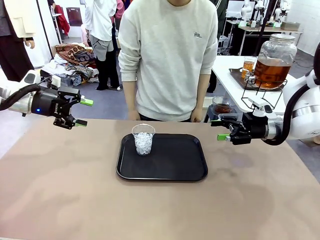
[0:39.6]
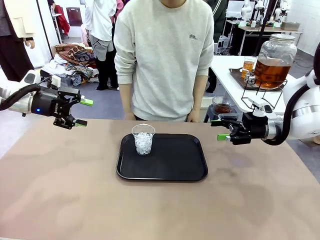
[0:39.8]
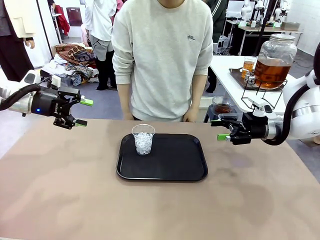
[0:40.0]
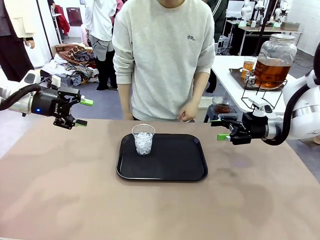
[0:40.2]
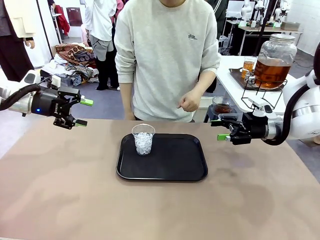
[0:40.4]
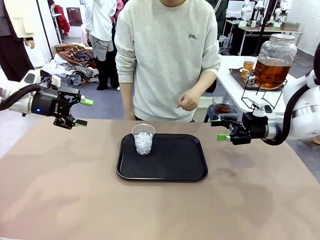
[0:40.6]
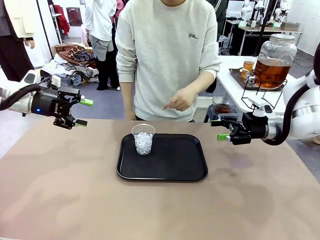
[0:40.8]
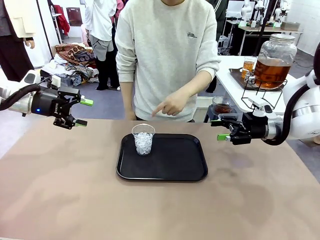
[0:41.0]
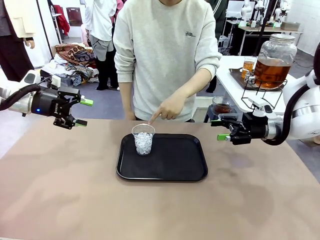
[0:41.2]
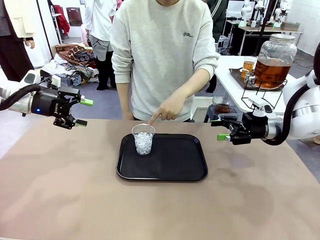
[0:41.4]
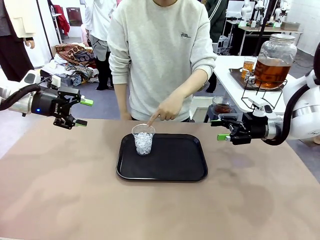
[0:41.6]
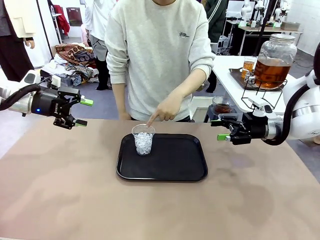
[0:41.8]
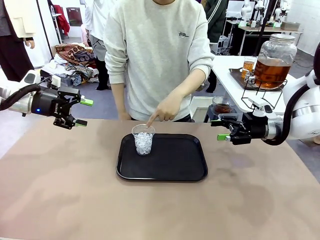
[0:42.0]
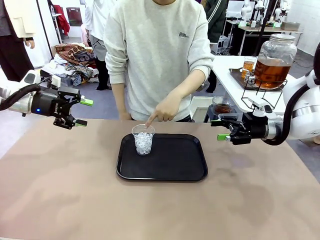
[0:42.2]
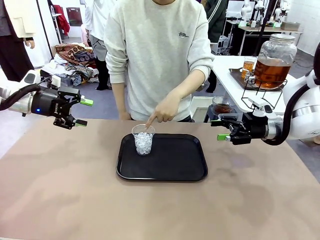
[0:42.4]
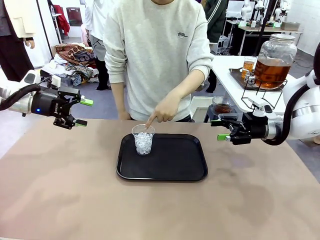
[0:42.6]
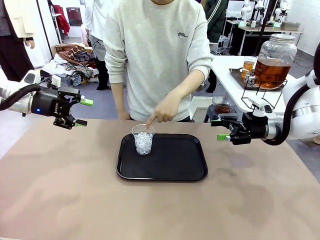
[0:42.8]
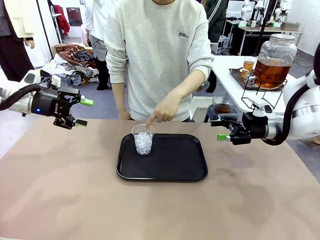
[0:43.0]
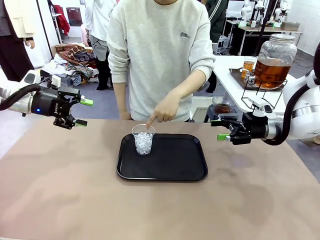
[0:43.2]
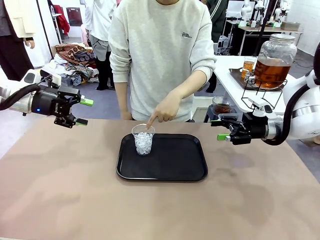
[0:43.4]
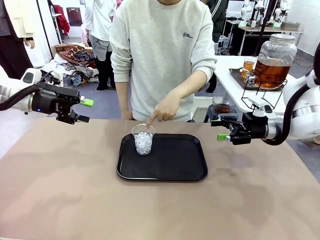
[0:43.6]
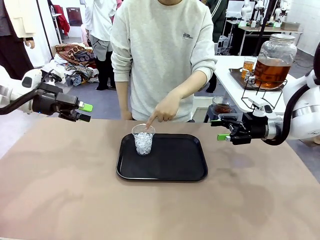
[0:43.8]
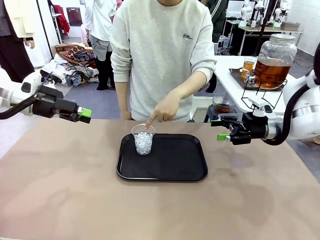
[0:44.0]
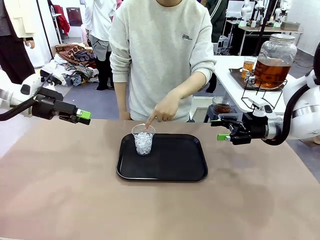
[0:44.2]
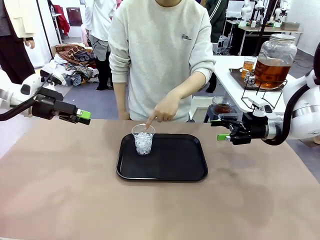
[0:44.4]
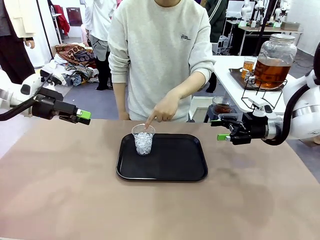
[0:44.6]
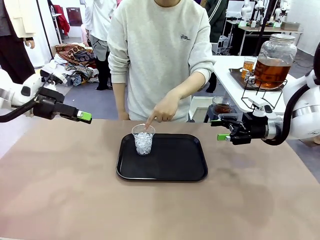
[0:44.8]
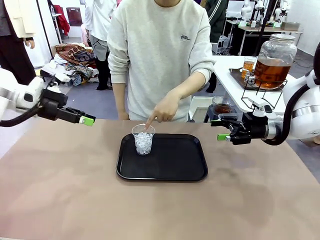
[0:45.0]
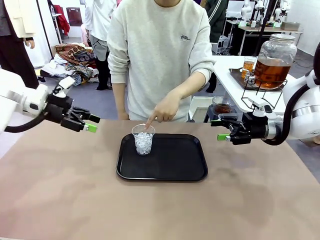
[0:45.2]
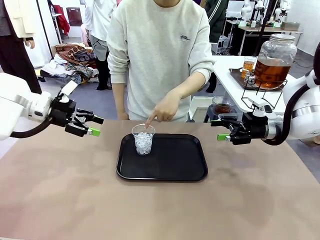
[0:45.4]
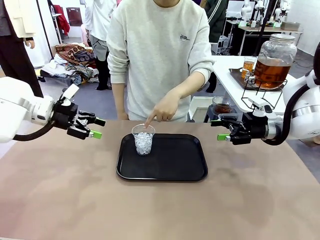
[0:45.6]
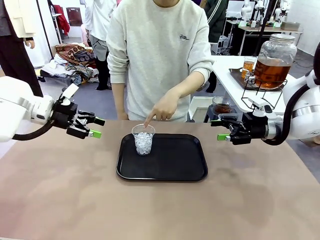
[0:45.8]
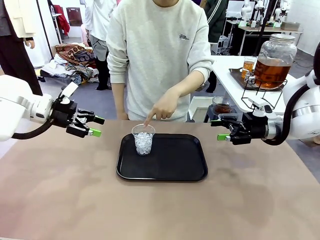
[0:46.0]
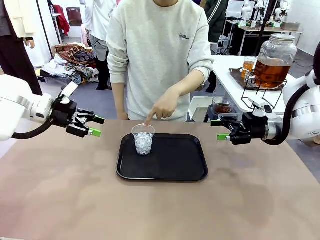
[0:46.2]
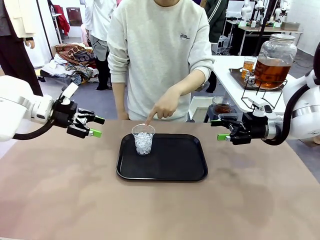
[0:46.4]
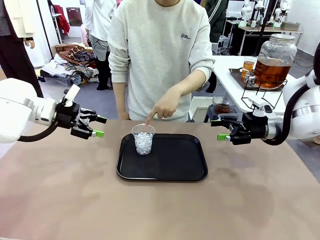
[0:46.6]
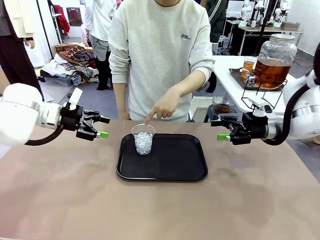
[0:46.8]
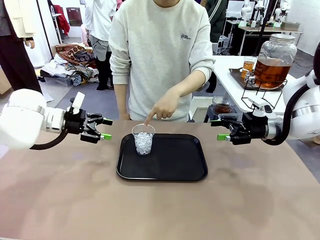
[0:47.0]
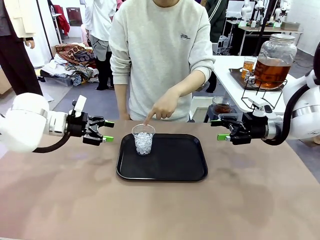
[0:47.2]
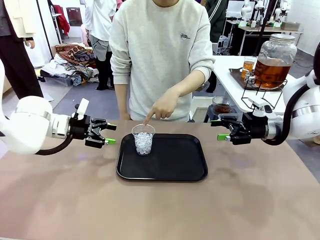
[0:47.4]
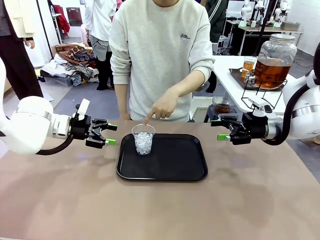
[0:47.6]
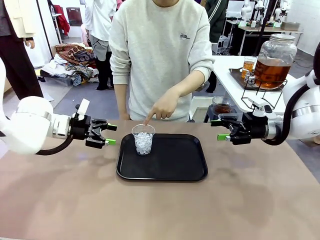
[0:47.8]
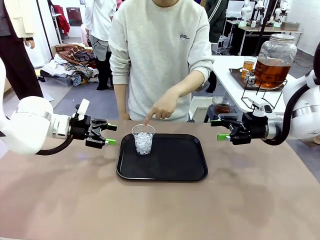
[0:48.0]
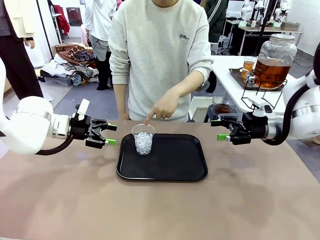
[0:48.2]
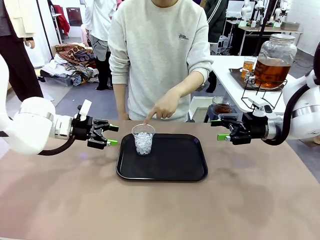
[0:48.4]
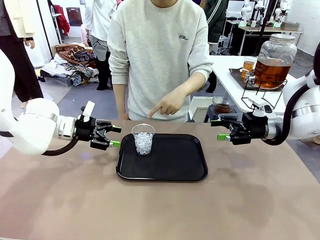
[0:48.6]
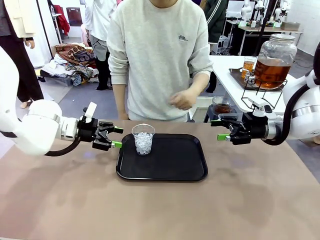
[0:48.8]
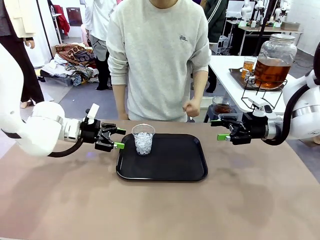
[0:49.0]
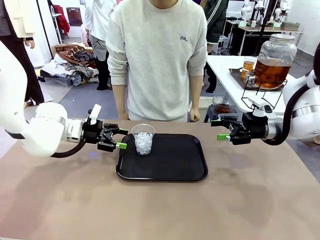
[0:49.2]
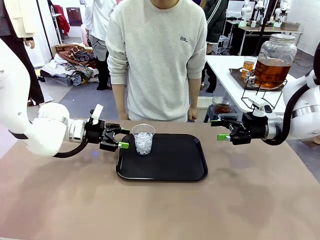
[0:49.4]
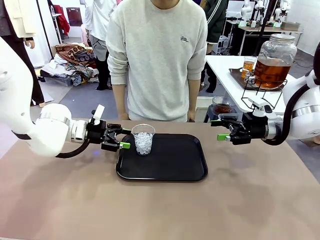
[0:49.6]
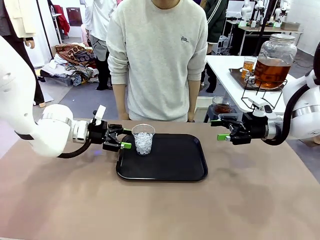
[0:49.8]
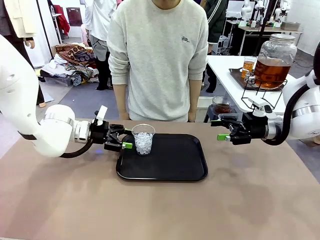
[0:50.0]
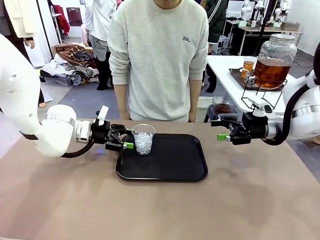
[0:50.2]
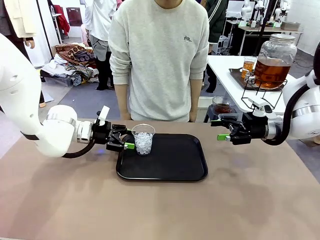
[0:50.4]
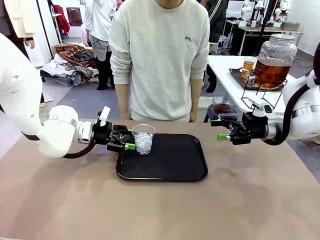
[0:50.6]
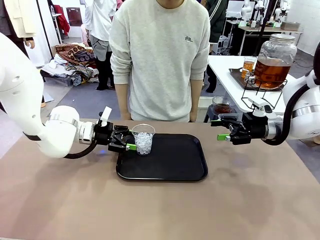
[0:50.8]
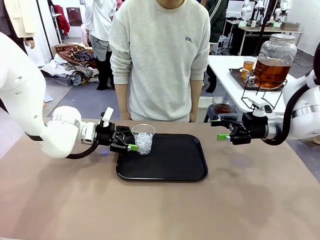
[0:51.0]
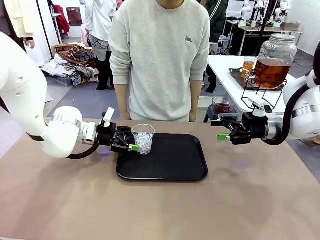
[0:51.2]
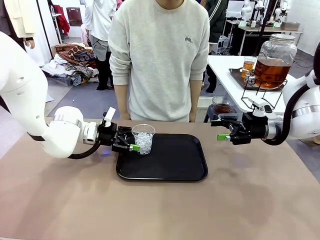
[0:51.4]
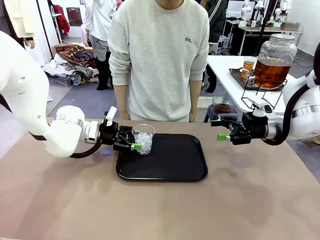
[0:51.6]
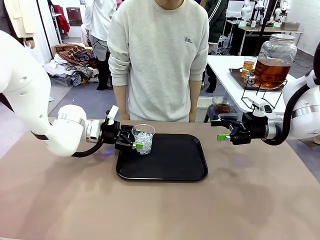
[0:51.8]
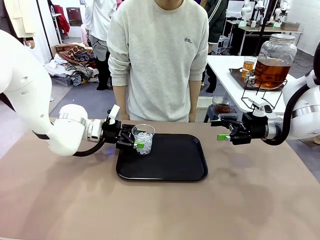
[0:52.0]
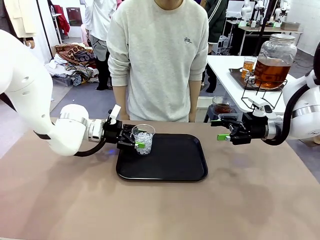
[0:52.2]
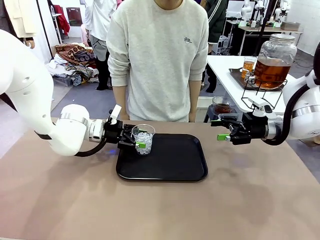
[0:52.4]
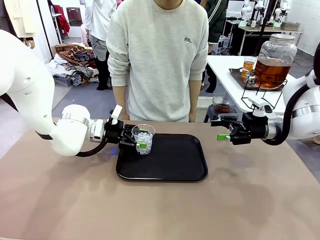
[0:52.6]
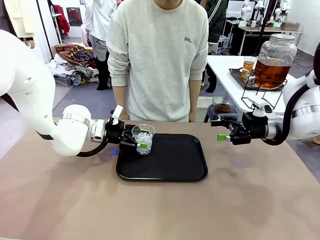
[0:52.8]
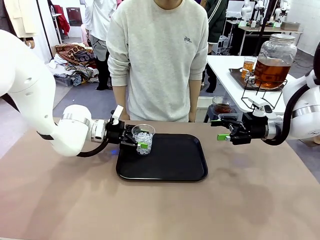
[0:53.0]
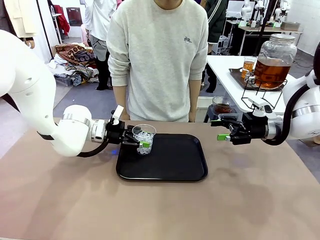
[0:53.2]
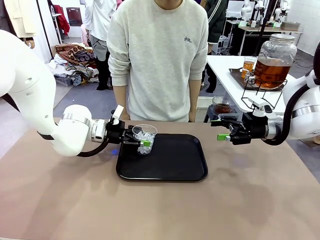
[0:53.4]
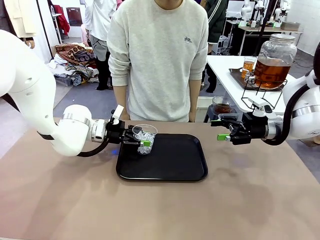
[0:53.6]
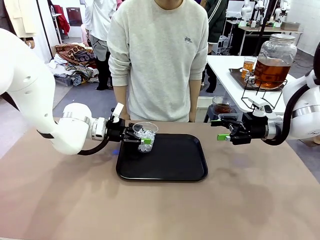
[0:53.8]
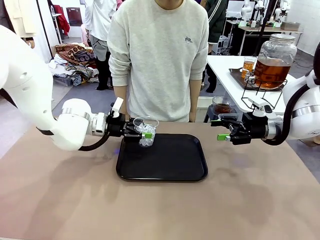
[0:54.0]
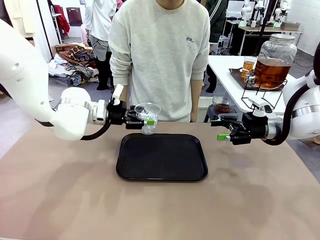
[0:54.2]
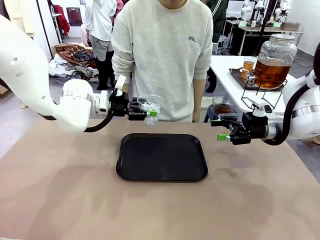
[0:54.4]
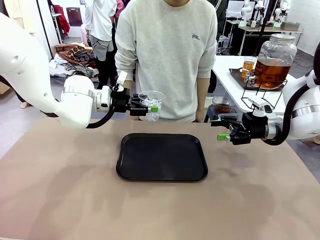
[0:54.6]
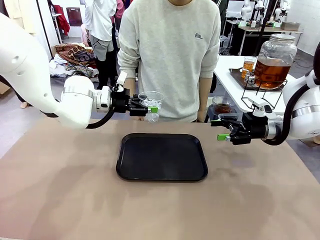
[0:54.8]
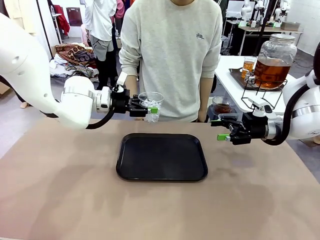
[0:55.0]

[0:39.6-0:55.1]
Task: Pour the drink into the iced cup.
Robot: Pick up the iced cup indicated by the human and present it to them.
Person: Point to the remaining ice cup on the robot table. Pick up the cup offered by the robot.

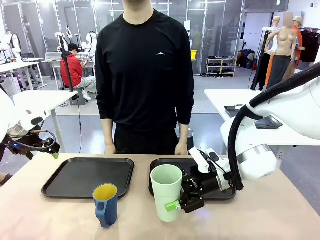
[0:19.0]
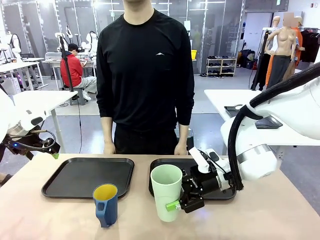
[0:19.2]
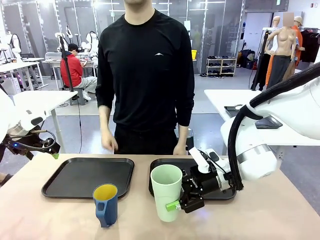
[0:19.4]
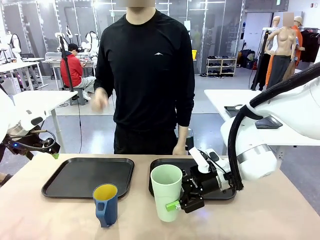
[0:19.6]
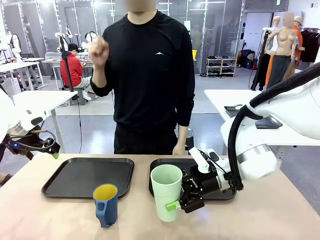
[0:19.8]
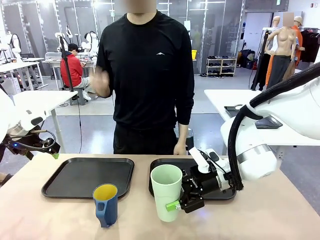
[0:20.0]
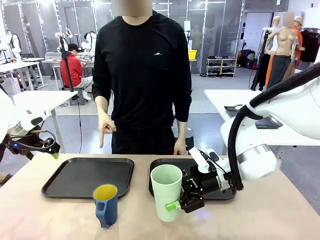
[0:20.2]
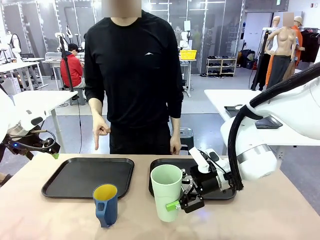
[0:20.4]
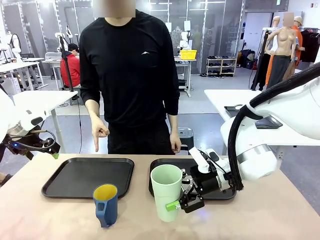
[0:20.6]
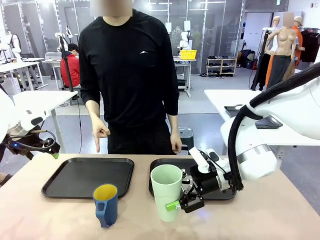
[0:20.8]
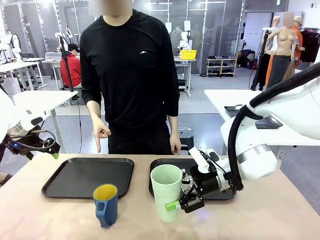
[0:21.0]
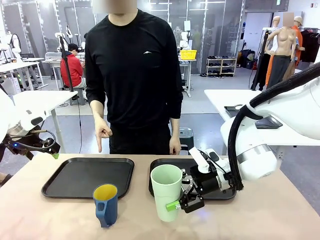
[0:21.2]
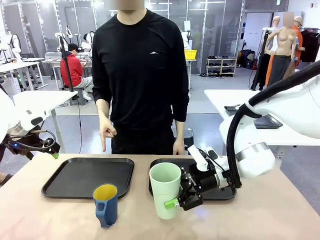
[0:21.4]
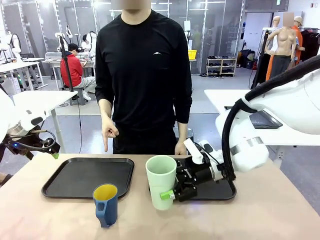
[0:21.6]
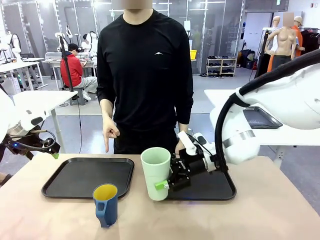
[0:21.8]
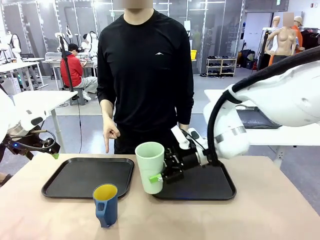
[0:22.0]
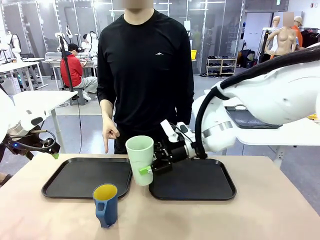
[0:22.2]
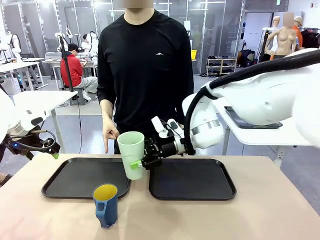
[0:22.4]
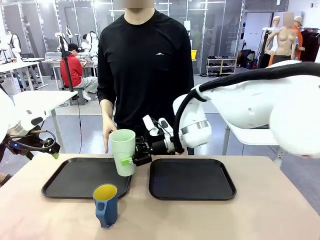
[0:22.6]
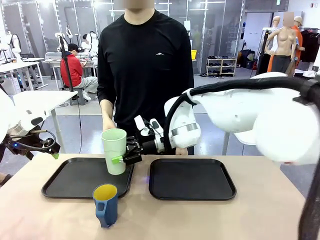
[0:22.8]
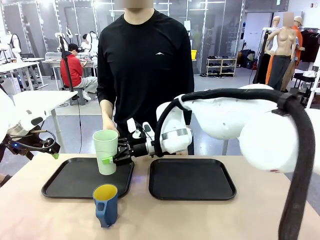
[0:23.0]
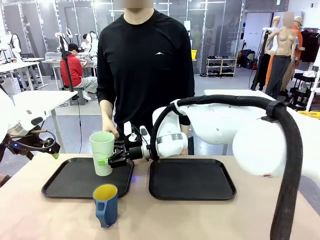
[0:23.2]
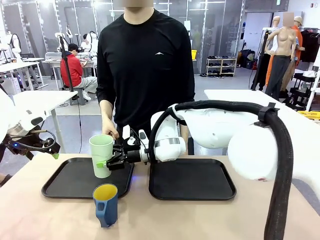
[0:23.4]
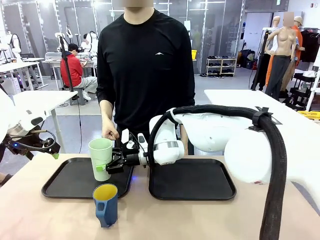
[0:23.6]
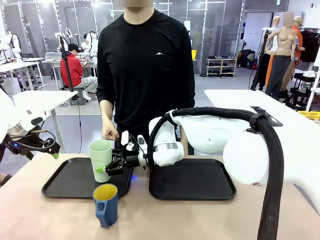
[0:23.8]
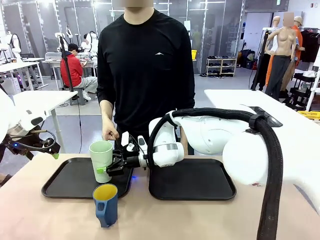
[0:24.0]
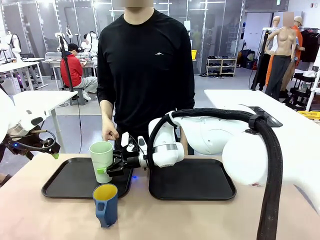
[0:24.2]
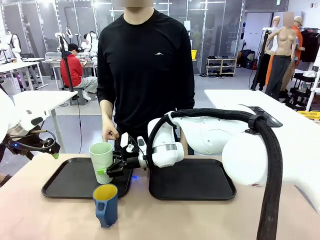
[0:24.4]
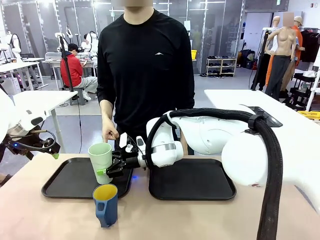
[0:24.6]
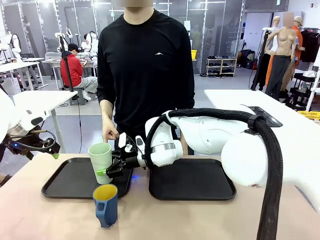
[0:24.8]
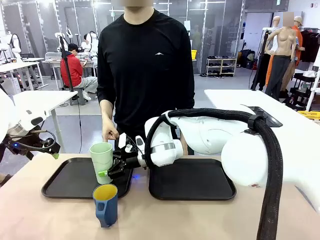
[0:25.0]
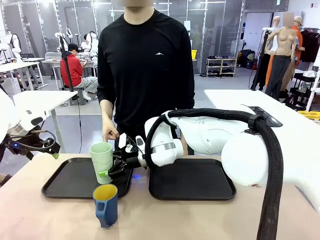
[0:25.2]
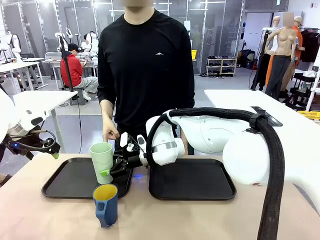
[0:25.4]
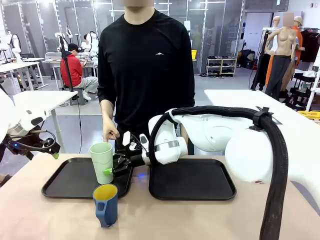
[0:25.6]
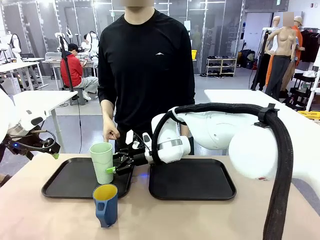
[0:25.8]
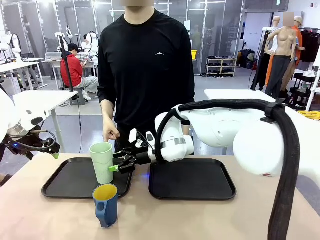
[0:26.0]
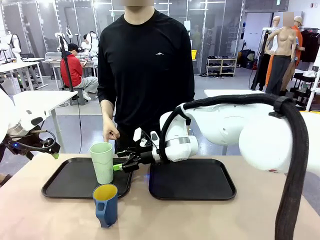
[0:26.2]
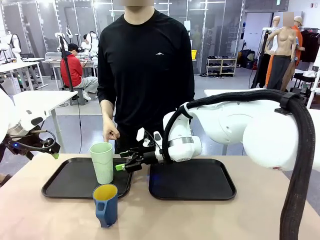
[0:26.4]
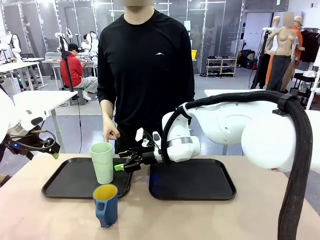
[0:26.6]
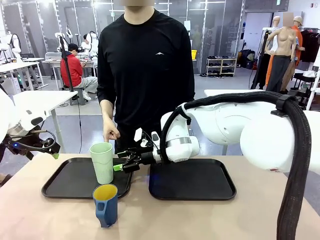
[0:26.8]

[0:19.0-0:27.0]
Task: Sort and store the cups by type.
Robot: Place the picked Reusable plastic cup into the Flat Tray indicated by the person.
